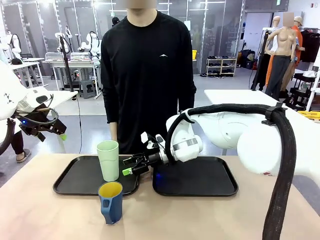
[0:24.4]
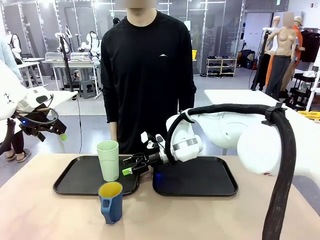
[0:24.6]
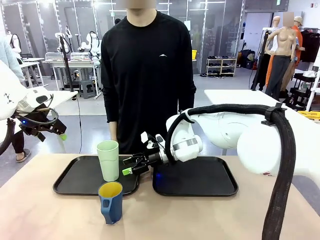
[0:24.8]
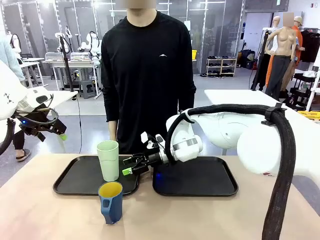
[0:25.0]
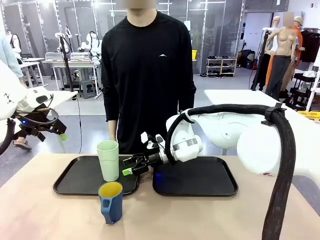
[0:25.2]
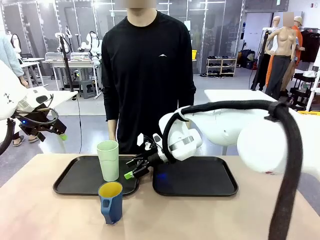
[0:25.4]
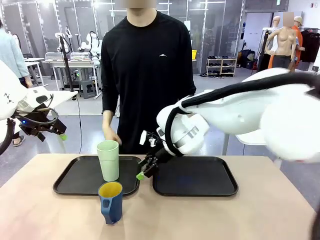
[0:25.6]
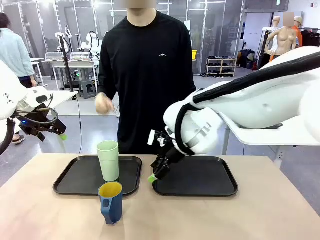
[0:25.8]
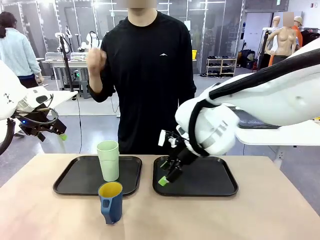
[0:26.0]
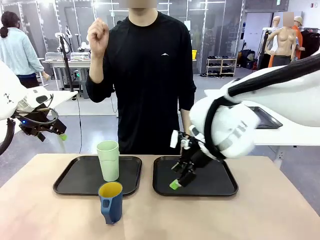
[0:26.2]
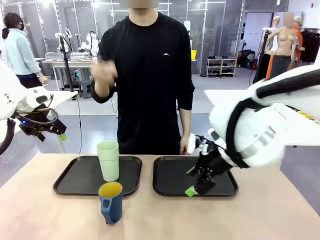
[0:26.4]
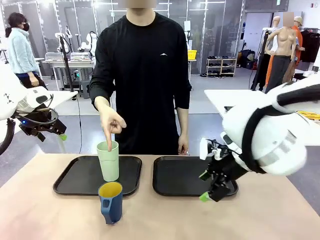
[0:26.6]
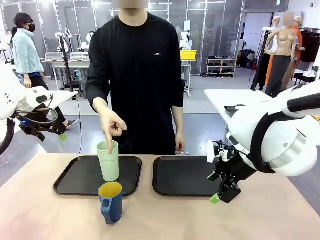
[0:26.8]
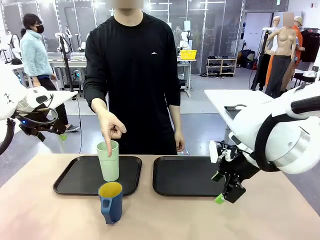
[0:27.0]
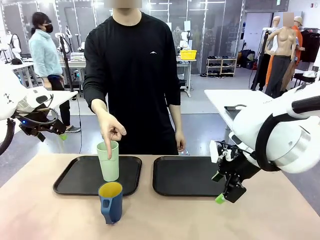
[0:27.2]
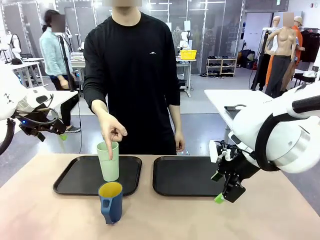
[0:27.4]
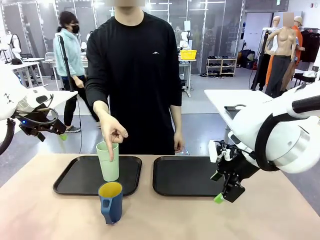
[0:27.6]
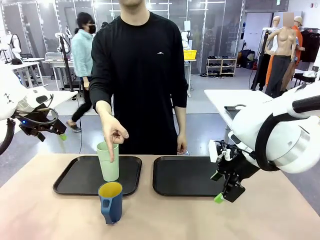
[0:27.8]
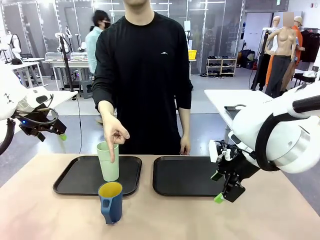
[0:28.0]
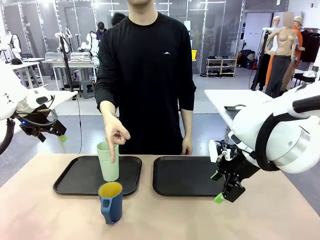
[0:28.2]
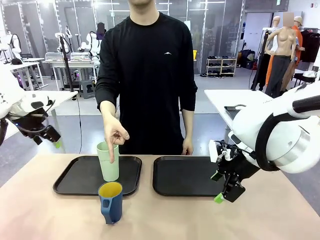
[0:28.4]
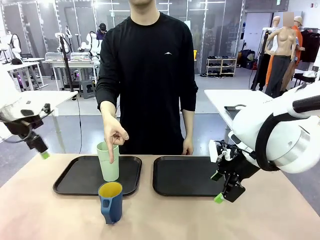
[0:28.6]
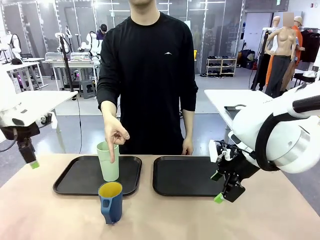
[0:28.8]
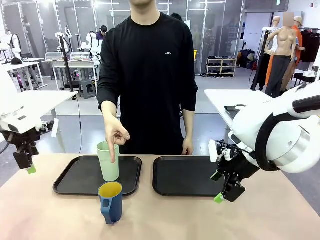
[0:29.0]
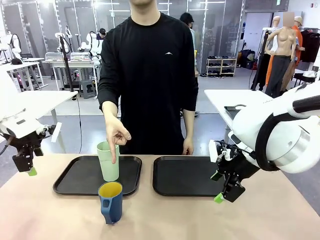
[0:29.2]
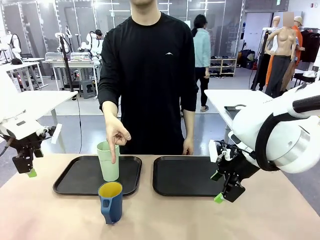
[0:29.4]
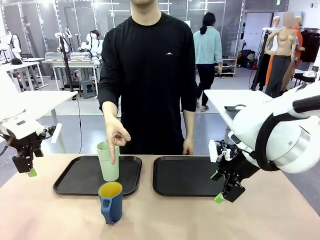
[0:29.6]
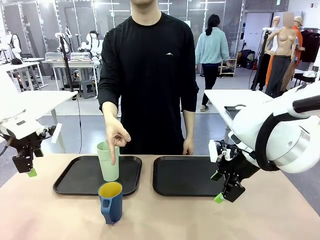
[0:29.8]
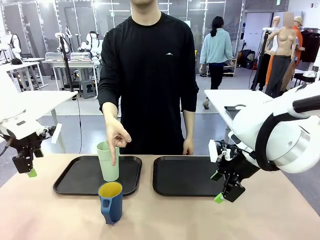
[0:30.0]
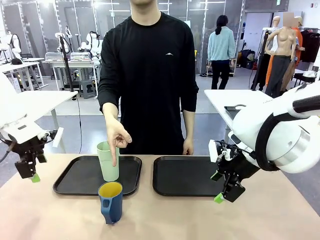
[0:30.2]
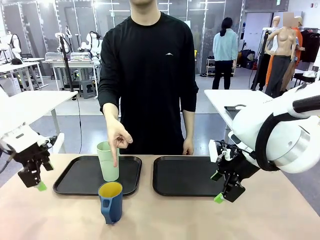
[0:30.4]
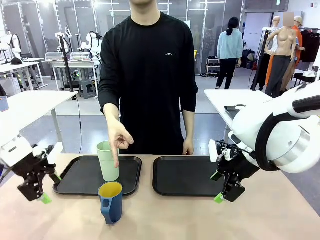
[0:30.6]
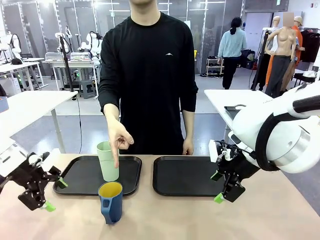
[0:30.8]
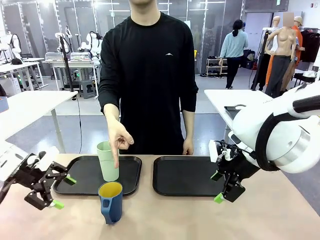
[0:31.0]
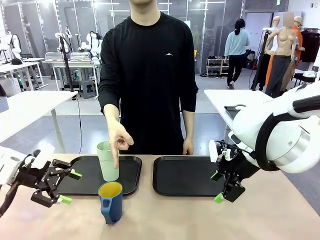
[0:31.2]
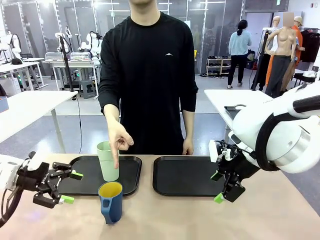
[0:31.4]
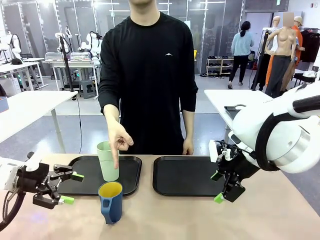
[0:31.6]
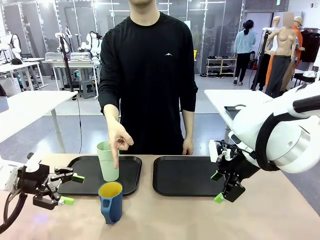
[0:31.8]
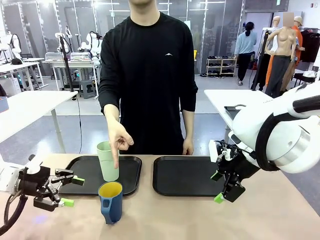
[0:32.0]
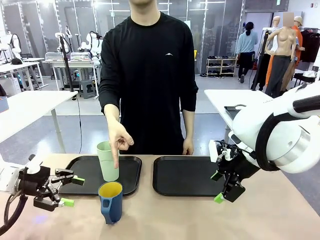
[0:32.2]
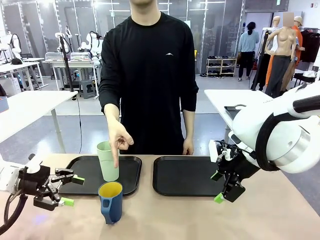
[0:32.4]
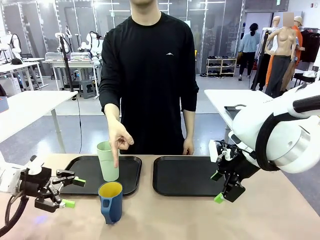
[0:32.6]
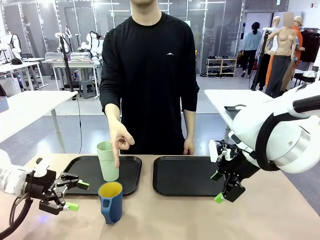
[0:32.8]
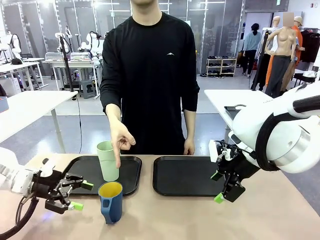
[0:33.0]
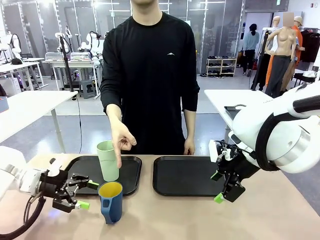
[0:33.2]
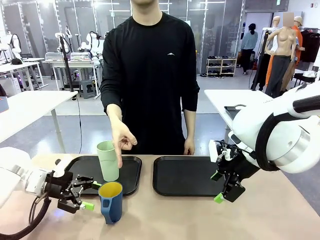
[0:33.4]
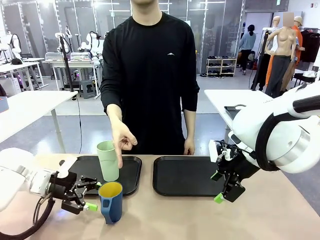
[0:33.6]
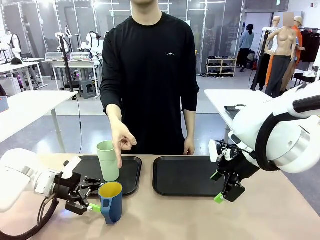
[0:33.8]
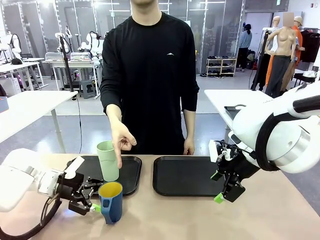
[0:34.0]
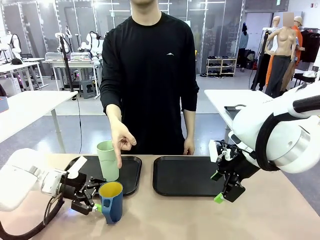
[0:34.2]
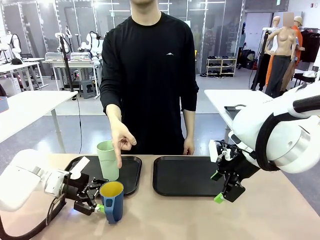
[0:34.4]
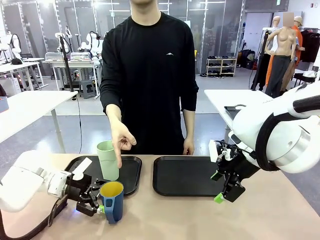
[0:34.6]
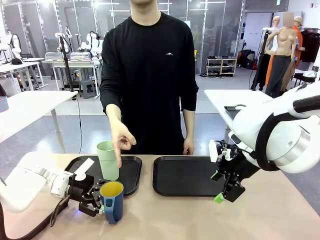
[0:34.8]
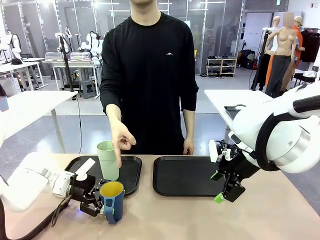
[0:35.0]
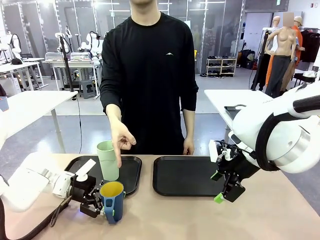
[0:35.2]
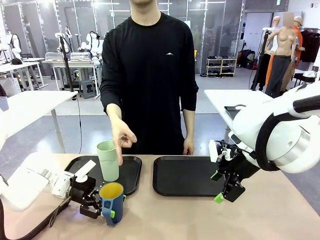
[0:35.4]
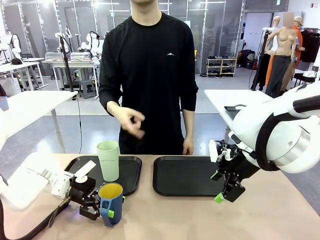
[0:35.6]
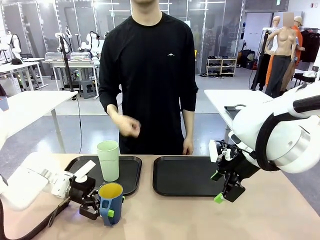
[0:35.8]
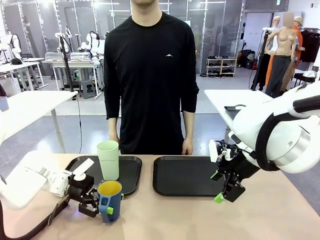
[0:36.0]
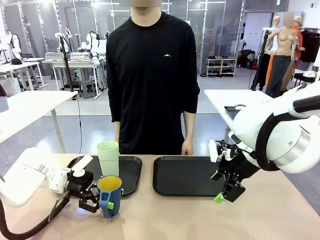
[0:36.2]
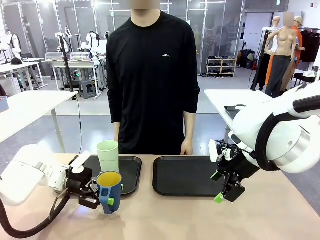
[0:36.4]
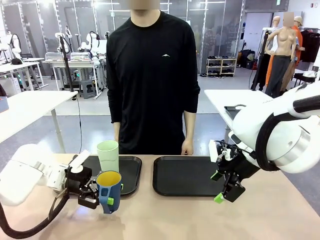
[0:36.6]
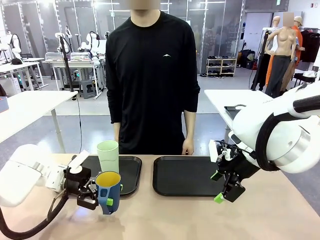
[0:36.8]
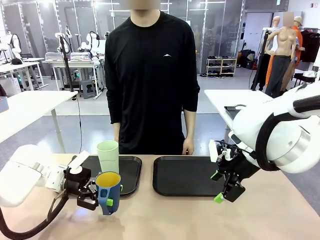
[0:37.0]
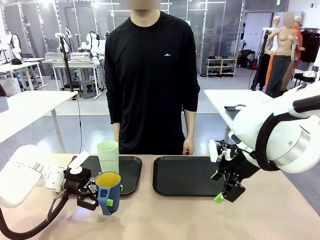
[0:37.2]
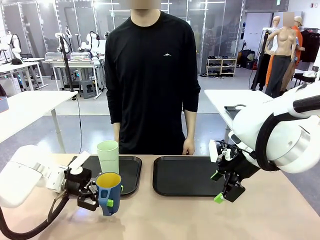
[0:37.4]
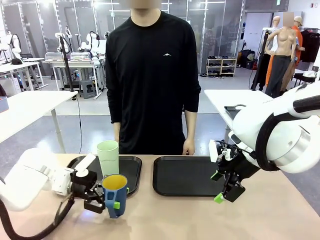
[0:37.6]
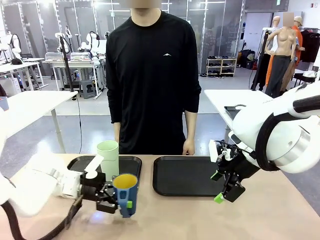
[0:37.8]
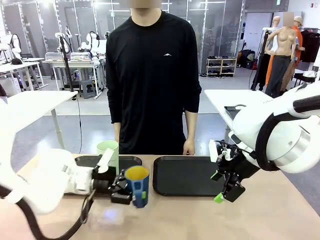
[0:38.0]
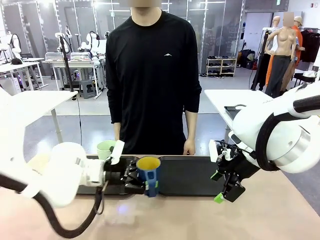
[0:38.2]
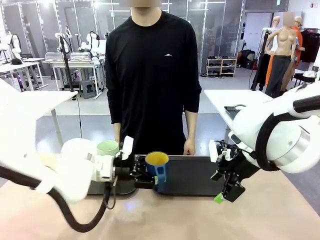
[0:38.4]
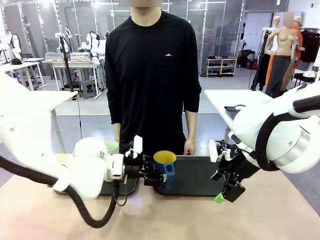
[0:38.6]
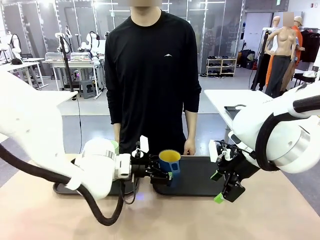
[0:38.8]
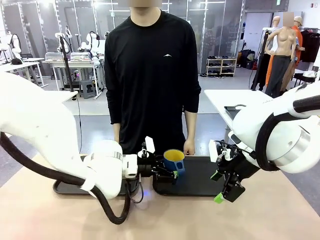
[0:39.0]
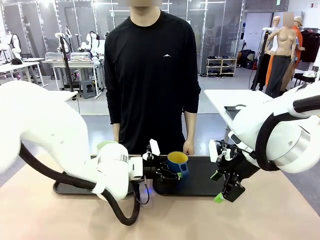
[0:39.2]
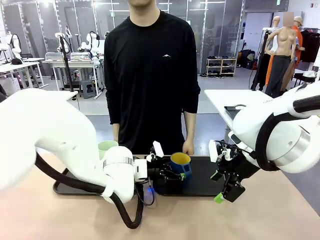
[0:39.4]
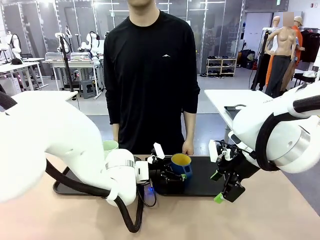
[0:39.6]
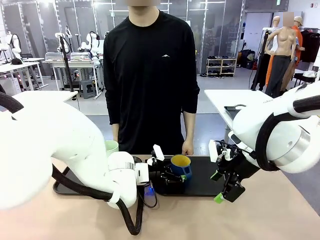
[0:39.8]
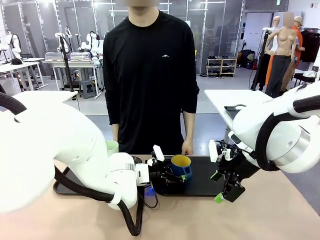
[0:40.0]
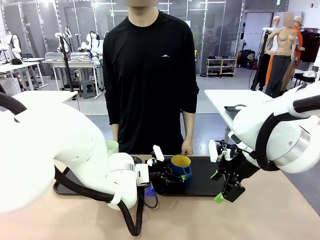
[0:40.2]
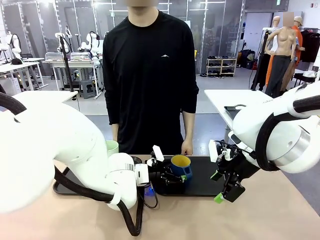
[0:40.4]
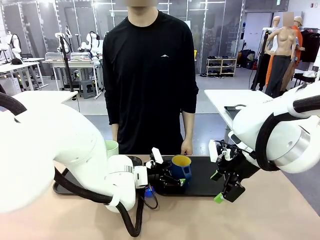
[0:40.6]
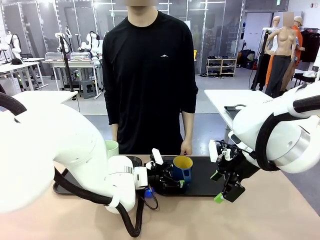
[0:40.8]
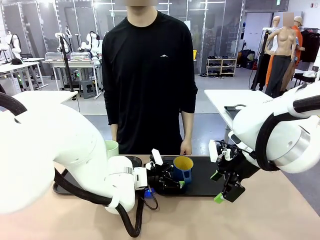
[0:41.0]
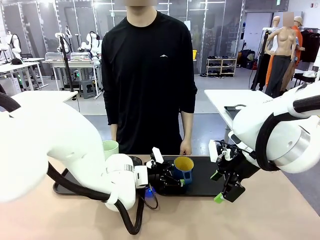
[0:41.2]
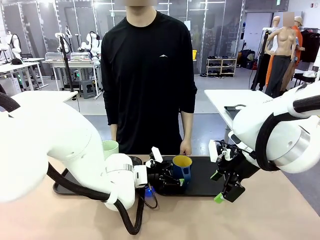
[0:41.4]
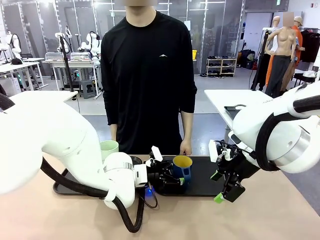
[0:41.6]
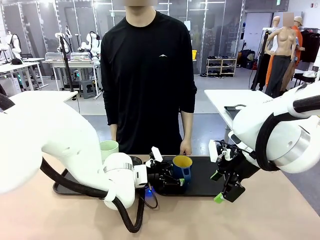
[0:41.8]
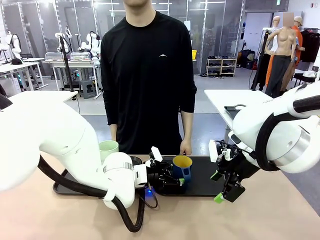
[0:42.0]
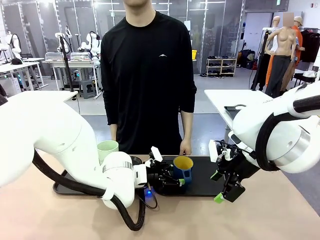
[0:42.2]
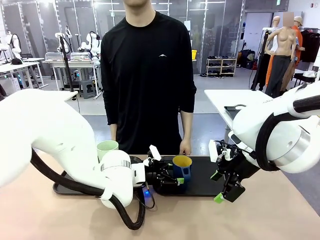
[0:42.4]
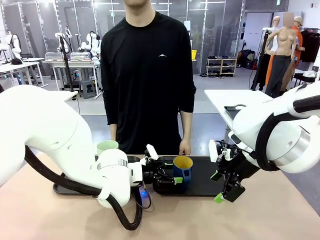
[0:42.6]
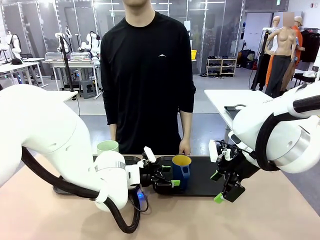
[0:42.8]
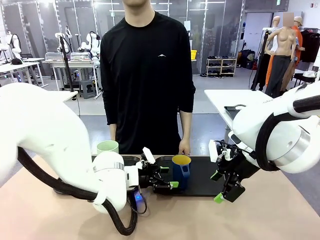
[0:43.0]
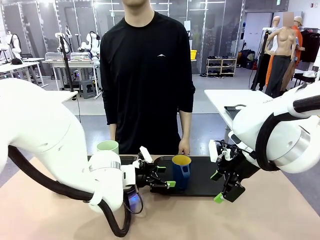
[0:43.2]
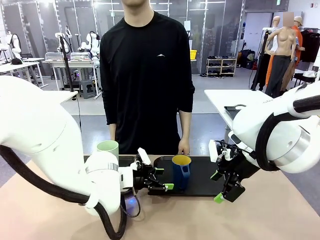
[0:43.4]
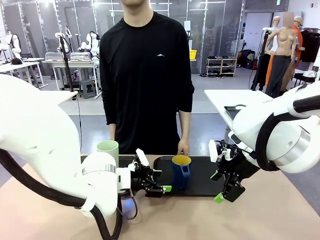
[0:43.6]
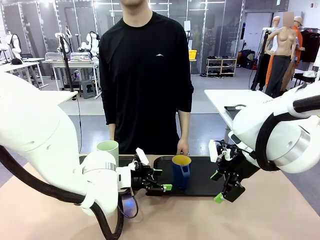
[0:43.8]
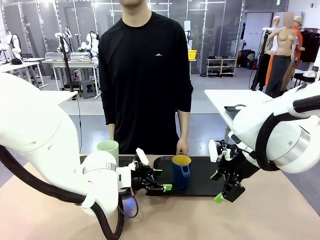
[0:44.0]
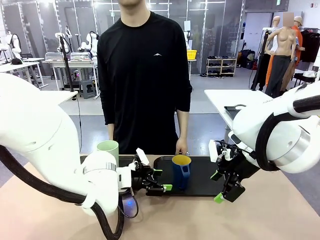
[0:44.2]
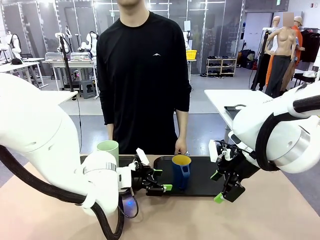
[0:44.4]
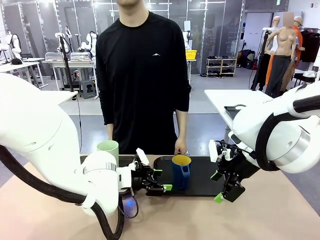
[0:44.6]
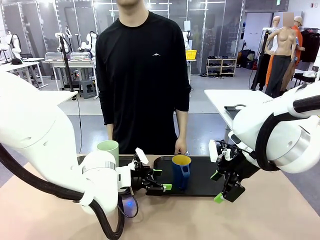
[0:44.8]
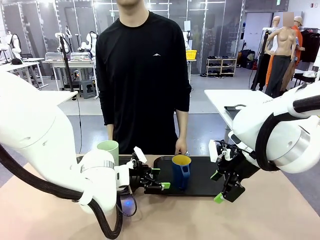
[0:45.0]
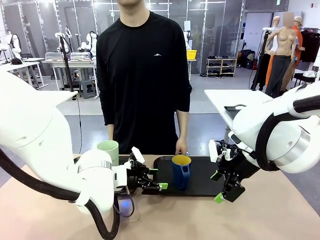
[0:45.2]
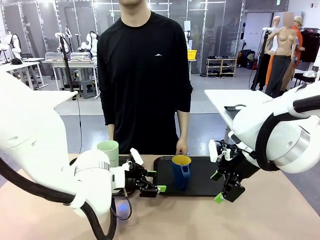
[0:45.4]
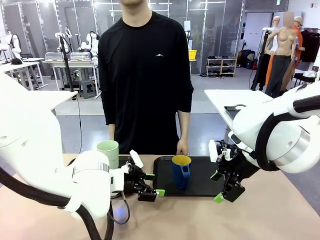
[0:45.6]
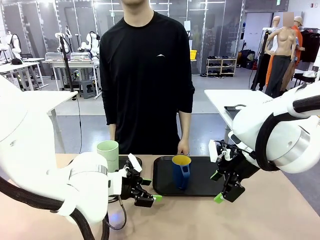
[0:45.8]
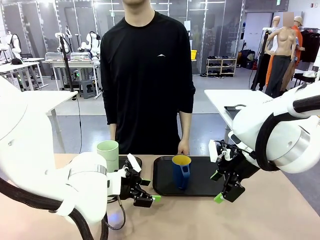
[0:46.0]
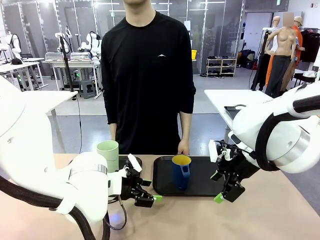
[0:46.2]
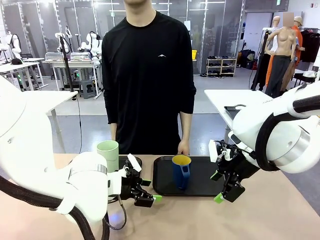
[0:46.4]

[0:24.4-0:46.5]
Task: Sort and store the cups by type.
Robot: Pick up the Handle plastic cup and place it into the empty Flat Tray.
Person: Points to the cup with a handle.
